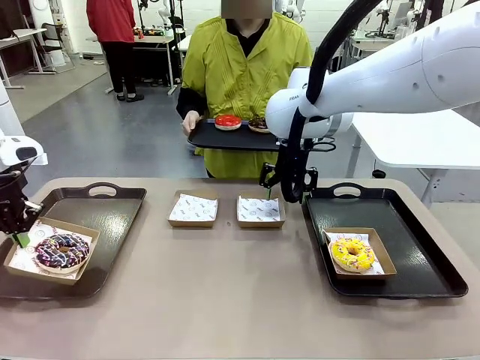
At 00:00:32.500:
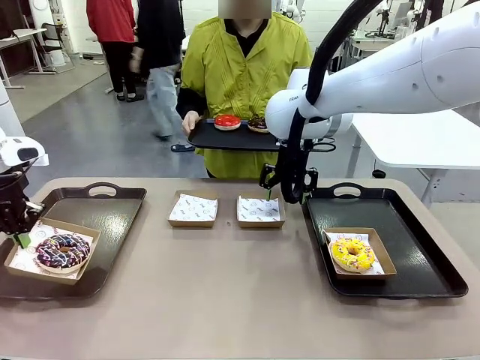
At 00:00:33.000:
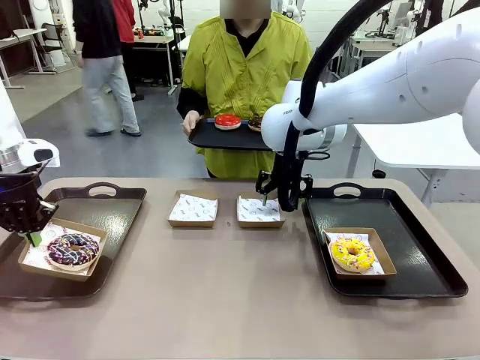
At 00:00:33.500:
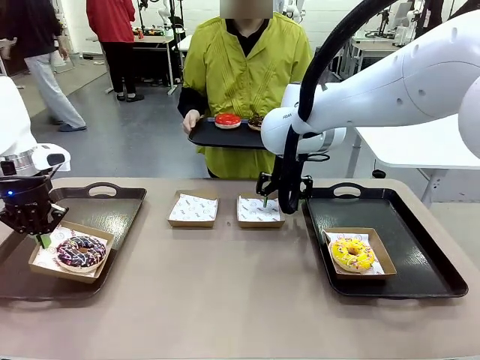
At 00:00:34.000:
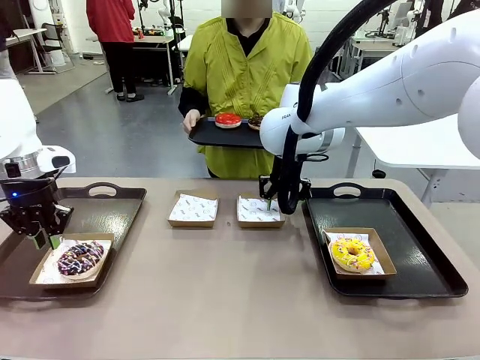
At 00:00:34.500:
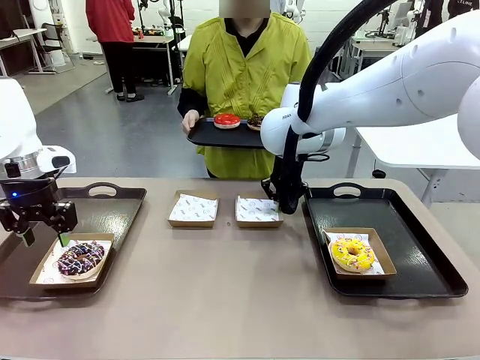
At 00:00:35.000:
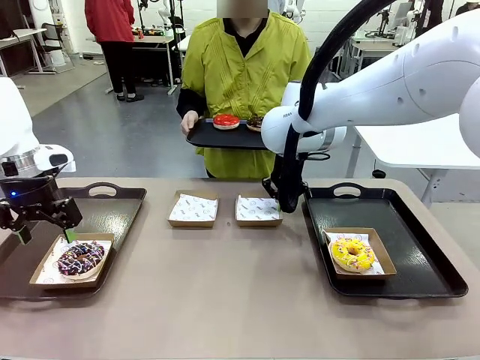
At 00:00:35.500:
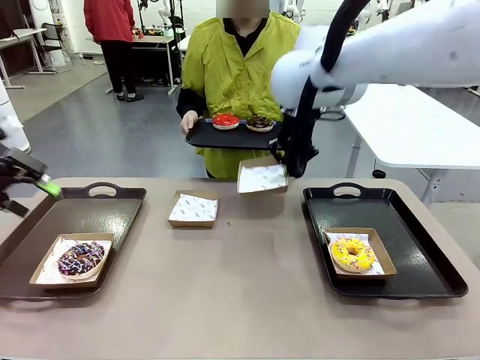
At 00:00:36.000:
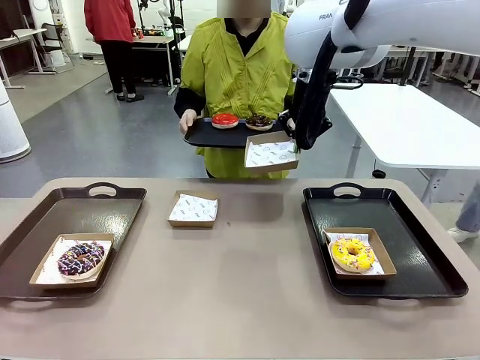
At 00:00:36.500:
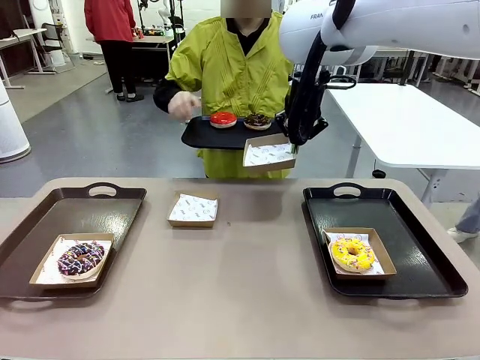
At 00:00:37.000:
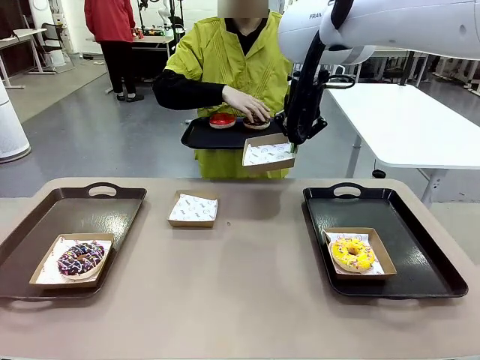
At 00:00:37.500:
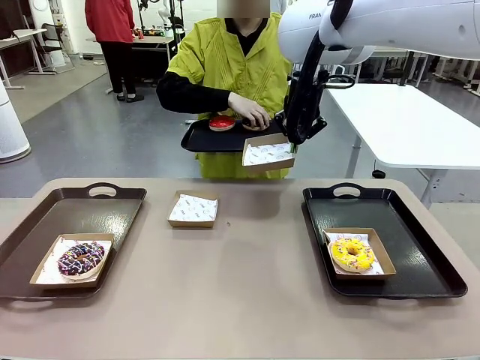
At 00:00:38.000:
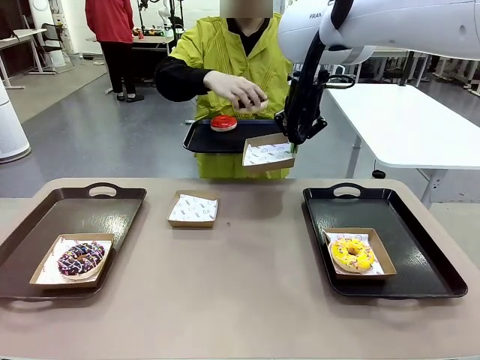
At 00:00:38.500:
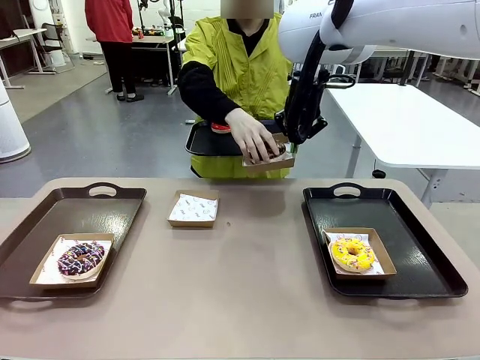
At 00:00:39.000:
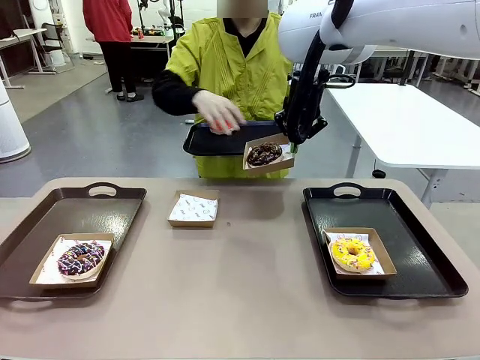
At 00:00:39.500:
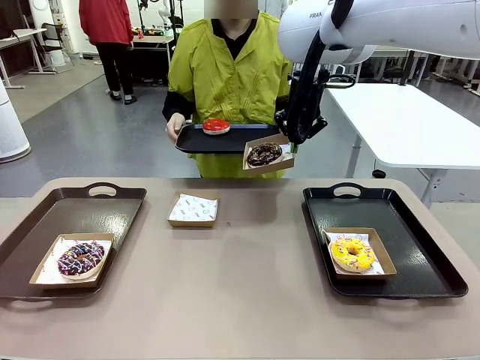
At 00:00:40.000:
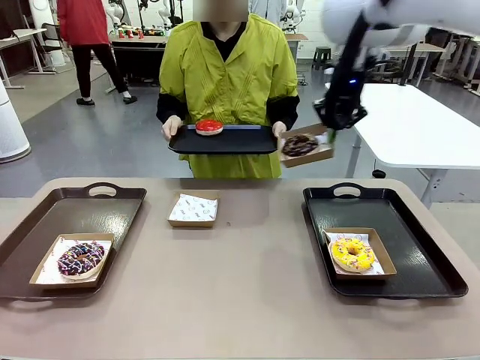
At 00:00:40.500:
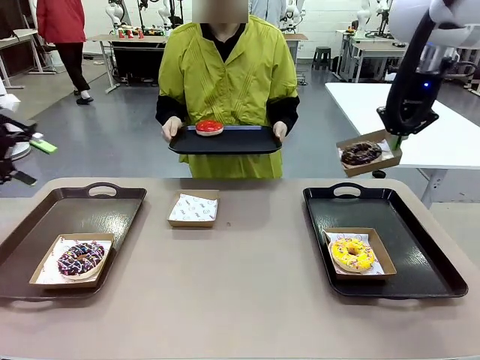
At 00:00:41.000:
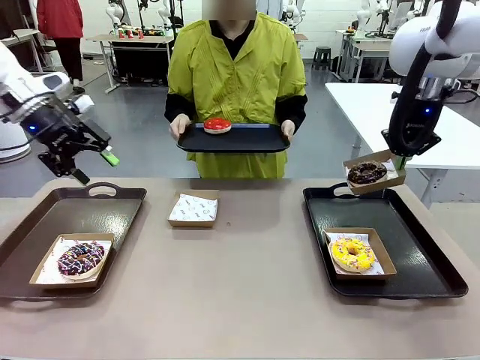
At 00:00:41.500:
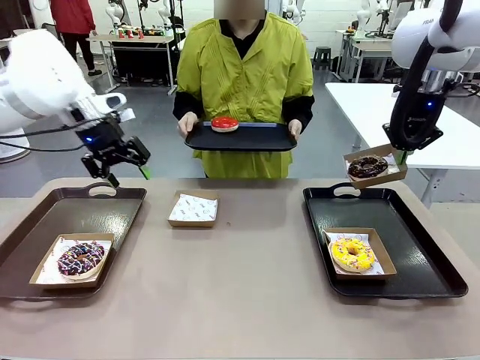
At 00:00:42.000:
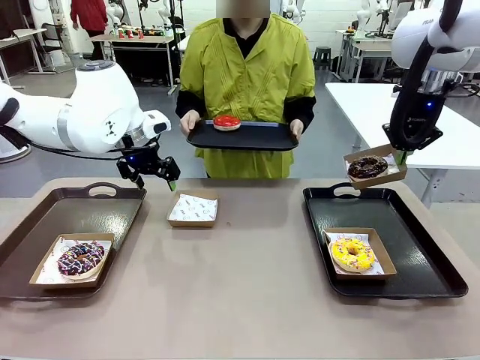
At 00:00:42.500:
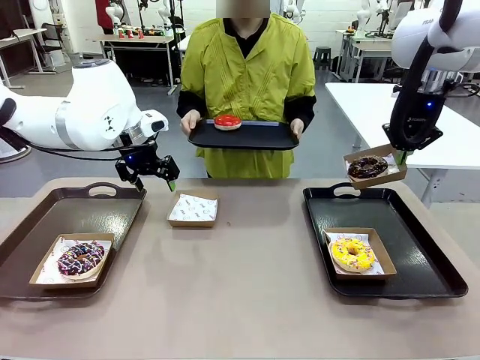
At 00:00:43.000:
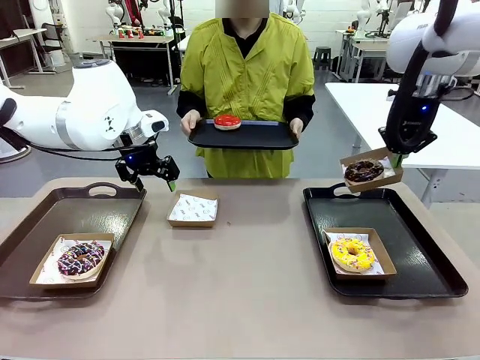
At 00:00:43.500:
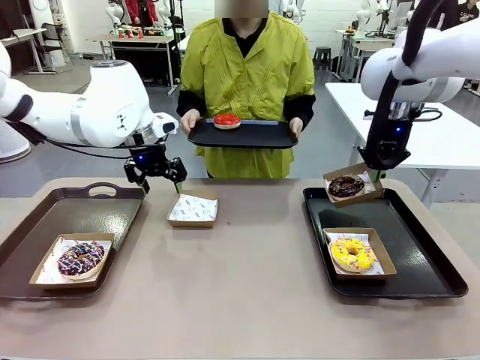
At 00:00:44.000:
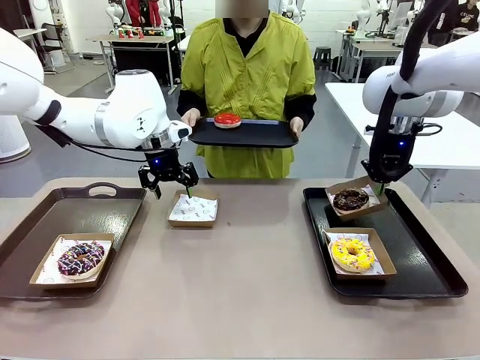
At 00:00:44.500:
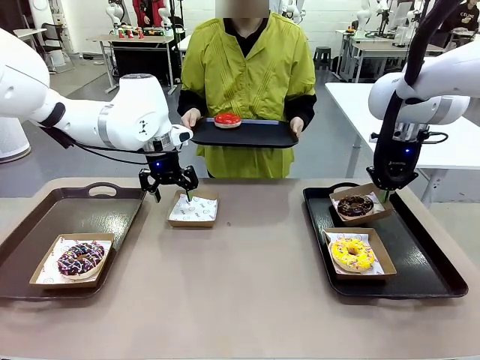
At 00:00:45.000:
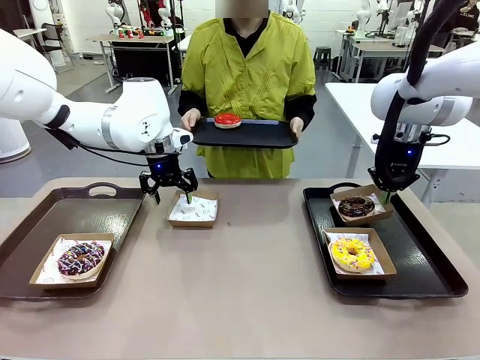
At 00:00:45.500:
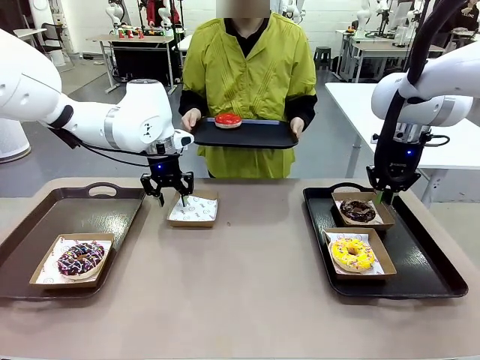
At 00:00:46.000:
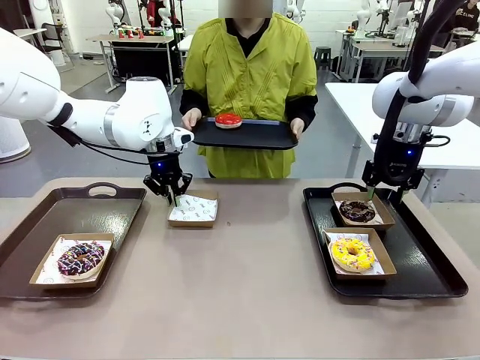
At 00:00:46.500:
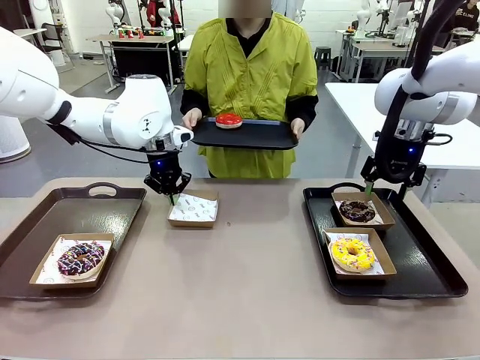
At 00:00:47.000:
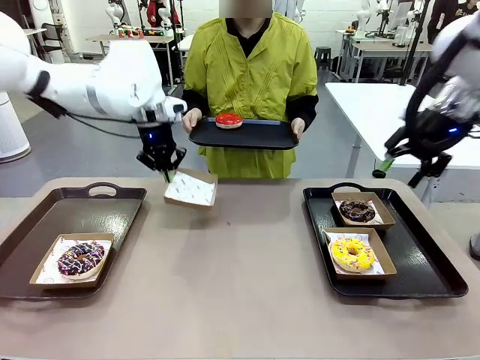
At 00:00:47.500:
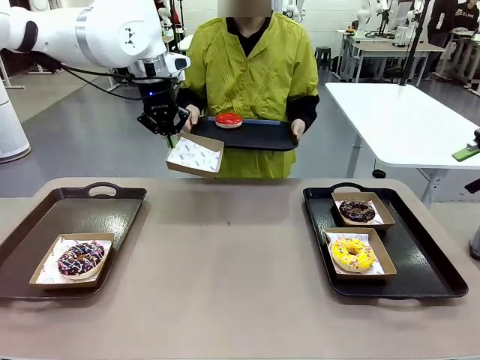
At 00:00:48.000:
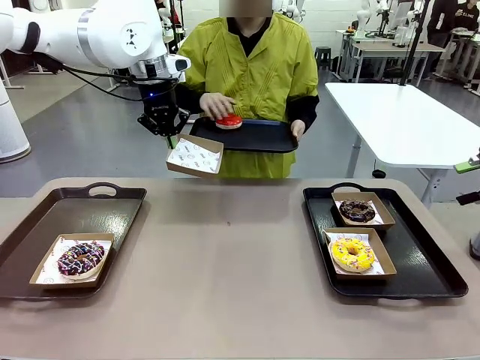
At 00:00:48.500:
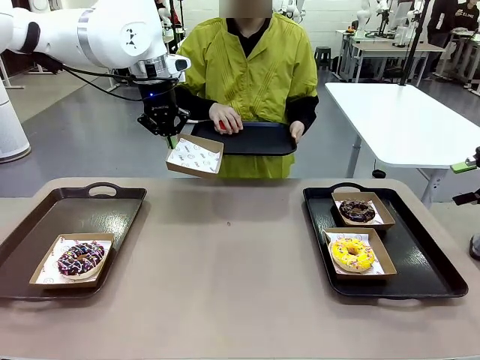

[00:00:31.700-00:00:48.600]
Task: Individually package the donuts and arrange them on the tray.
Robot: Place the picked Paper togo box on the Handle tray while simultaneously picking up another Paper togo box from the table with the other hand.

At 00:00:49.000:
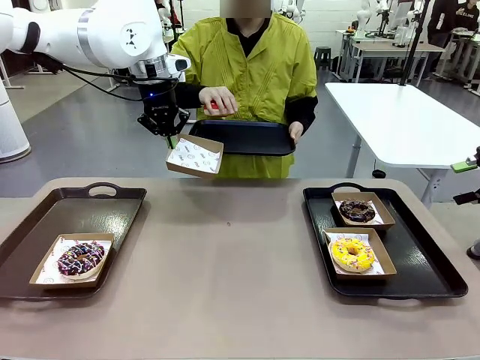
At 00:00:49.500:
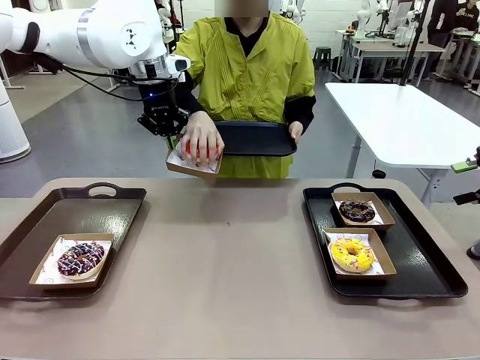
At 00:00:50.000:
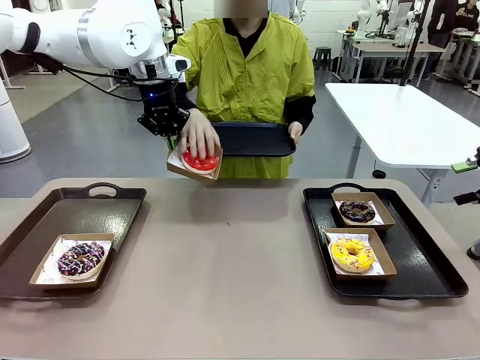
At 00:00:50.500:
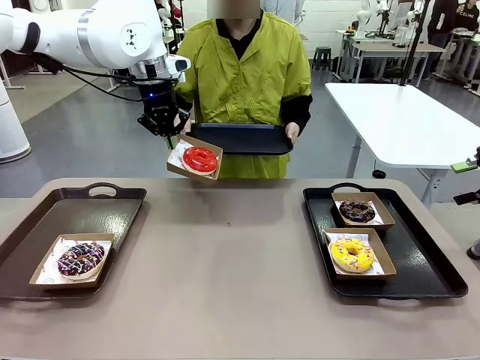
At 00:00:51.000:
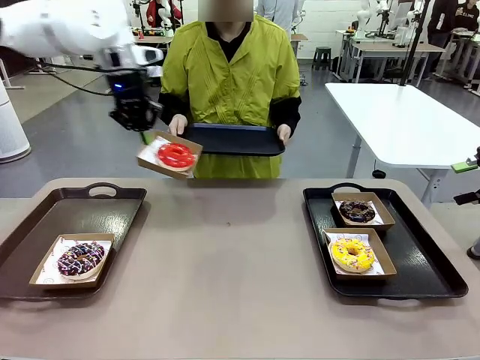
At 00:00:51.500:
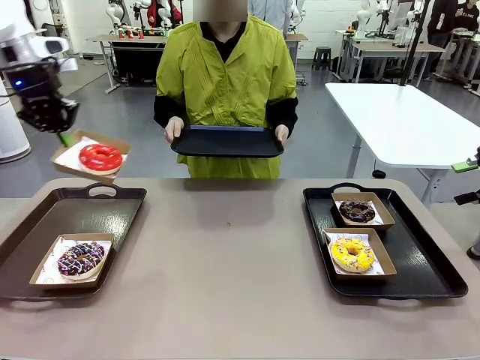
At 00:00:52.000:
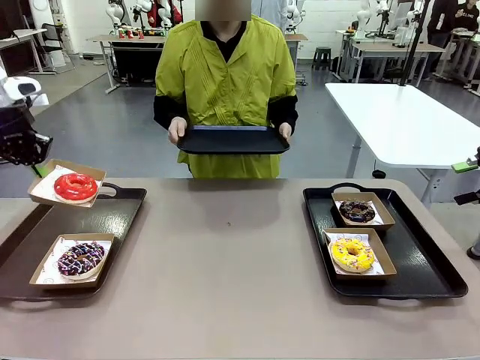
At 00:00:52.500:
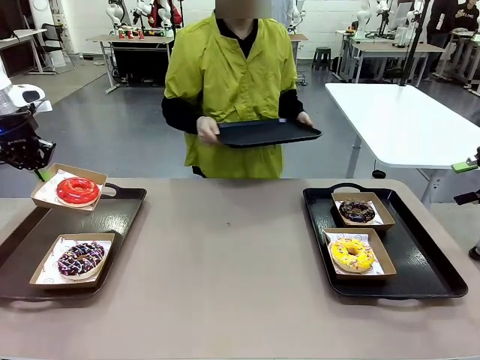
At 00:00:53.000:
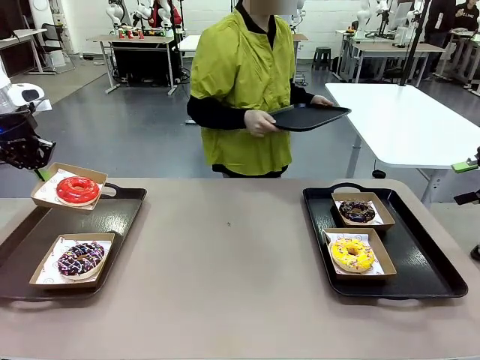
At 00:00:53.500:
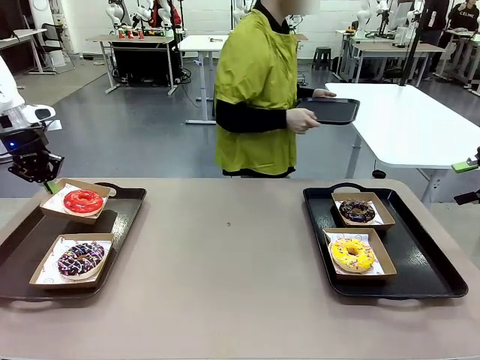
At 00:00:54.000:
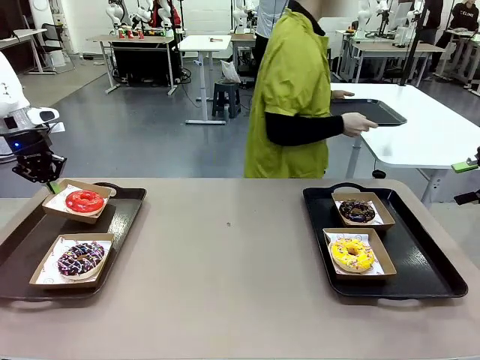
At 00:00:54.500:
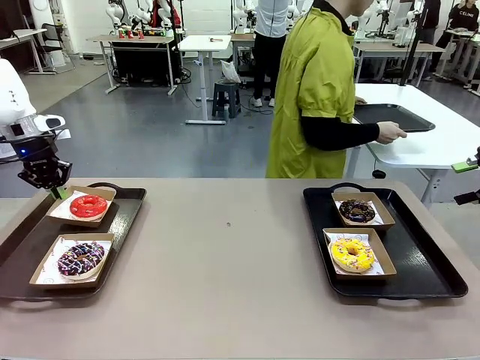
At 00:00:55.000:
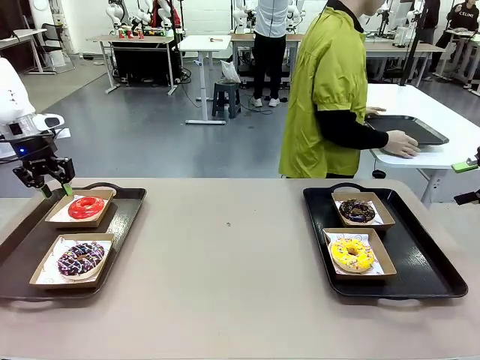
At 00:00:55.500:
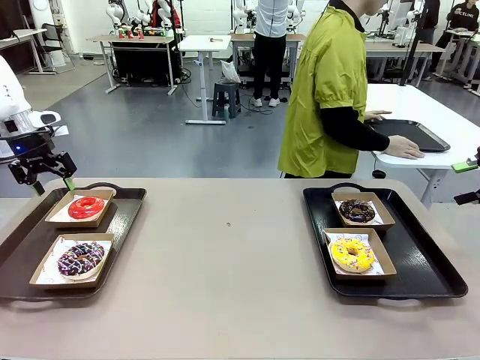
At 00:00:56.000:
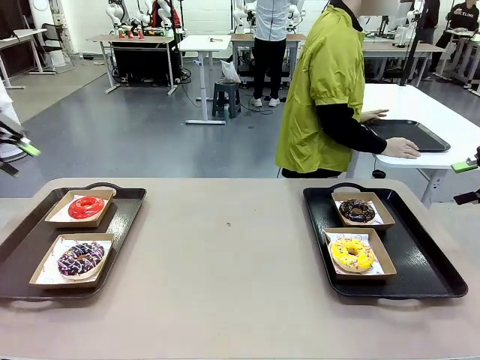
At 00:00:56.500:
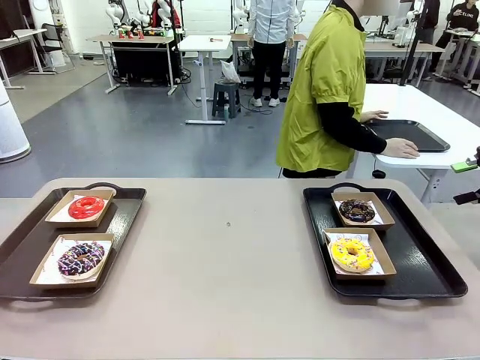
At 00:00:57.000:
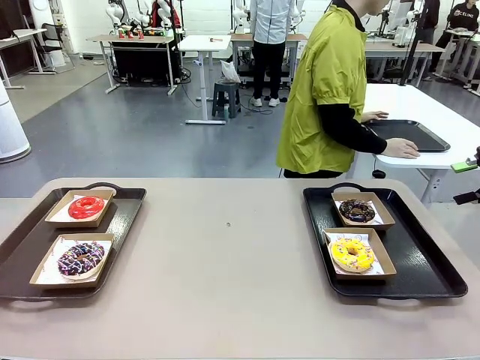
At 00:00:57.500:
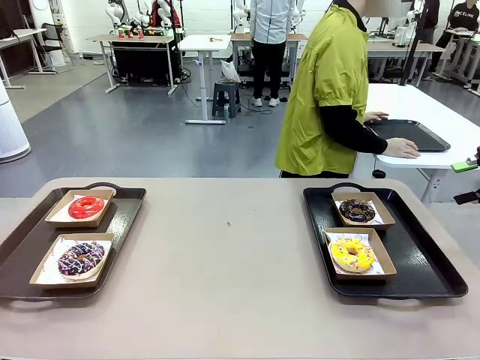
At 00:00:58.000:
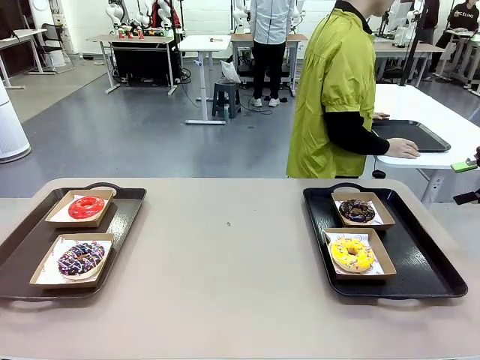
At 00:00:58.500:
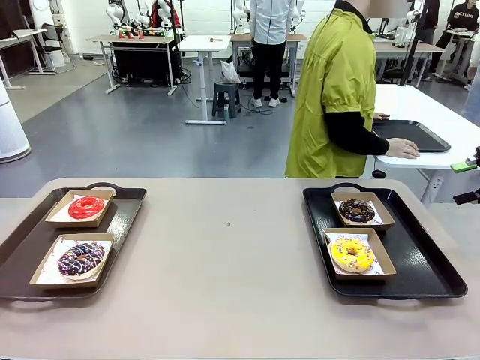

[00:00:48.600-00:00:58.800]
Robot: Place the picked Paper togo box on the Handle tray.
Person: Place the tray down in the middle of the human table.
